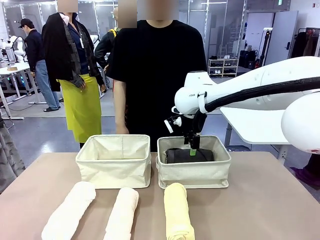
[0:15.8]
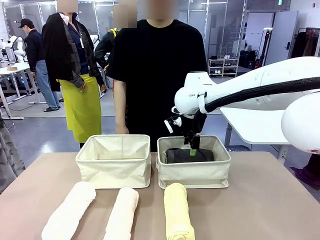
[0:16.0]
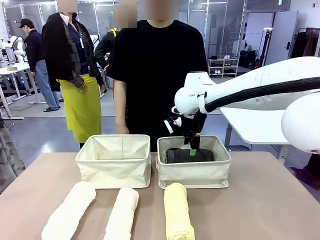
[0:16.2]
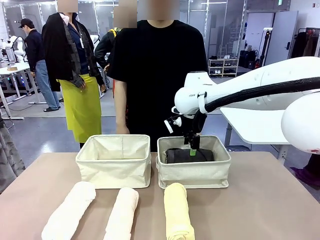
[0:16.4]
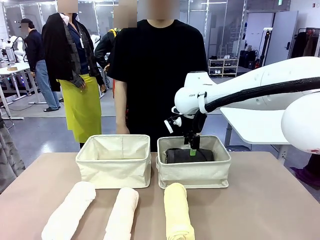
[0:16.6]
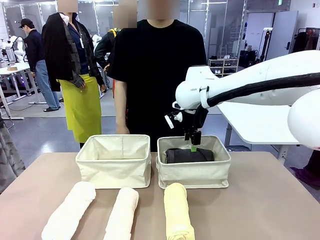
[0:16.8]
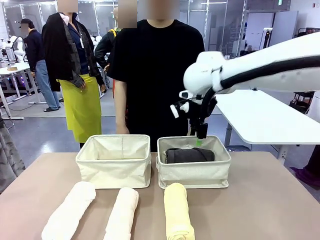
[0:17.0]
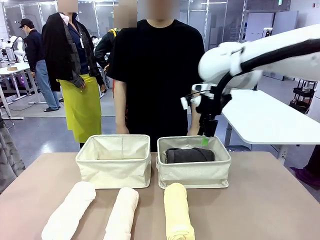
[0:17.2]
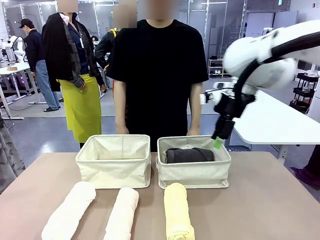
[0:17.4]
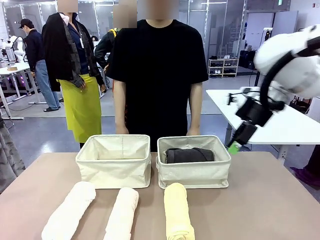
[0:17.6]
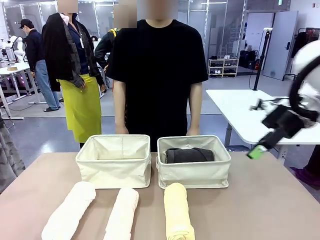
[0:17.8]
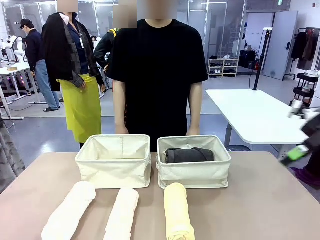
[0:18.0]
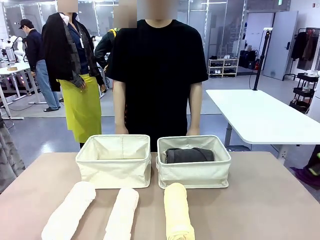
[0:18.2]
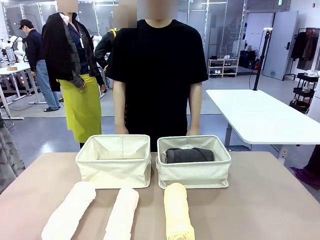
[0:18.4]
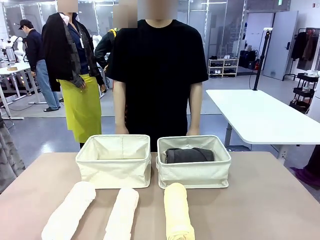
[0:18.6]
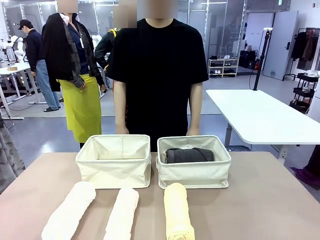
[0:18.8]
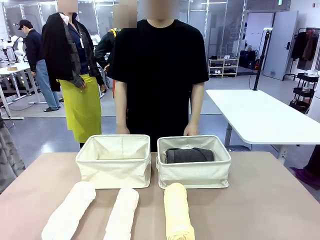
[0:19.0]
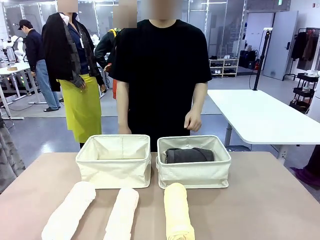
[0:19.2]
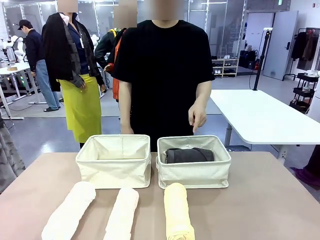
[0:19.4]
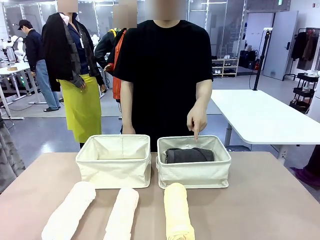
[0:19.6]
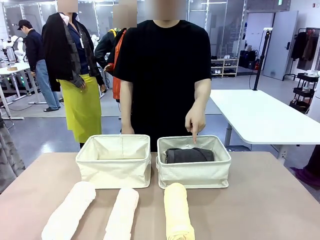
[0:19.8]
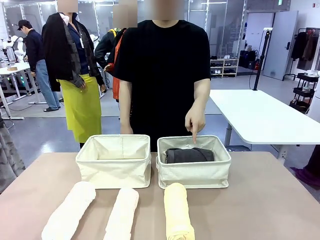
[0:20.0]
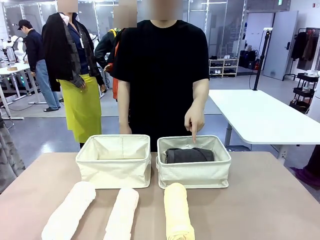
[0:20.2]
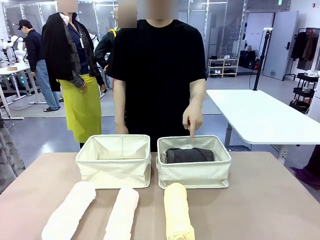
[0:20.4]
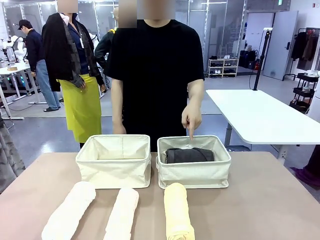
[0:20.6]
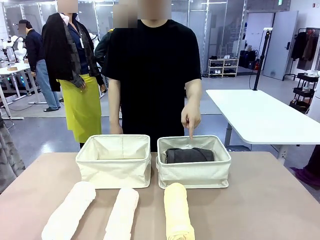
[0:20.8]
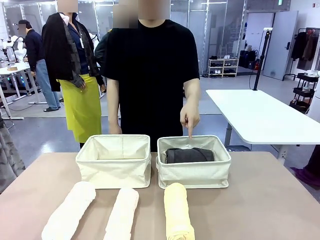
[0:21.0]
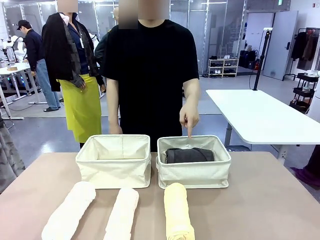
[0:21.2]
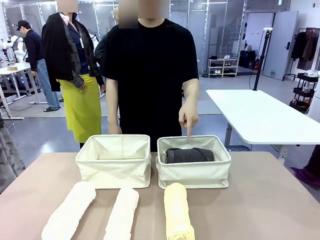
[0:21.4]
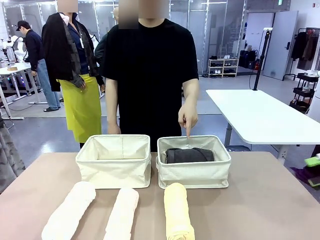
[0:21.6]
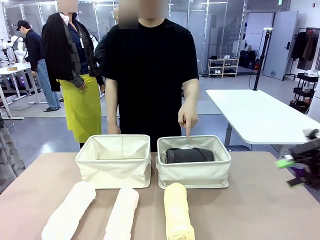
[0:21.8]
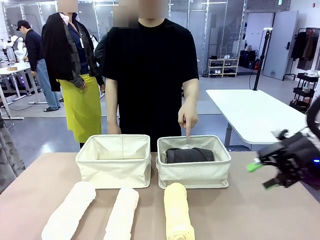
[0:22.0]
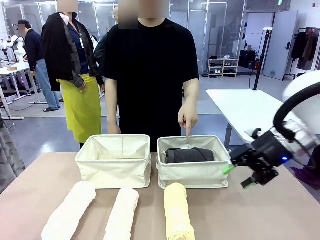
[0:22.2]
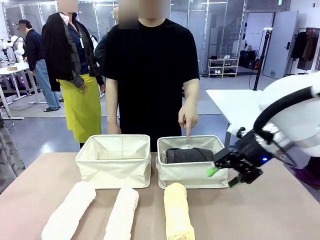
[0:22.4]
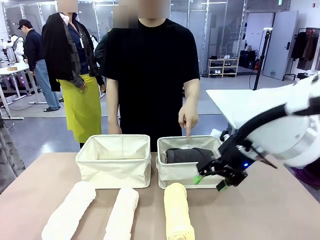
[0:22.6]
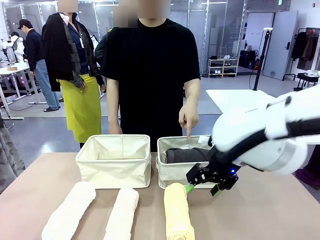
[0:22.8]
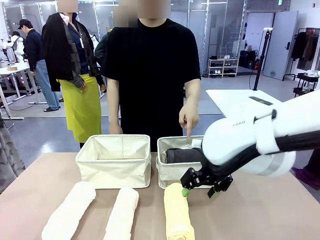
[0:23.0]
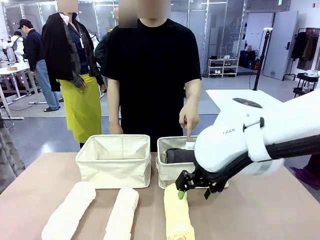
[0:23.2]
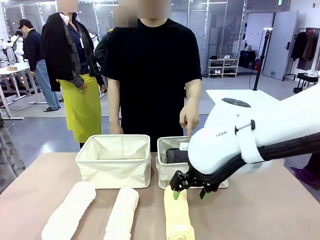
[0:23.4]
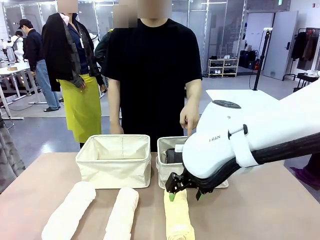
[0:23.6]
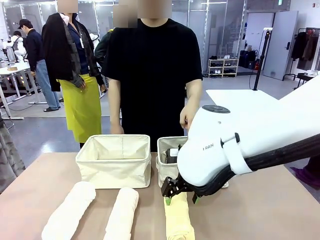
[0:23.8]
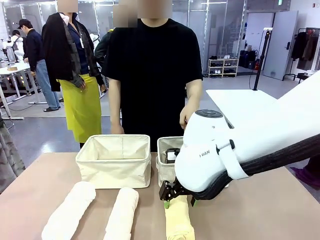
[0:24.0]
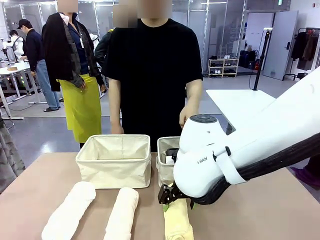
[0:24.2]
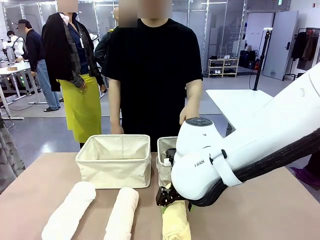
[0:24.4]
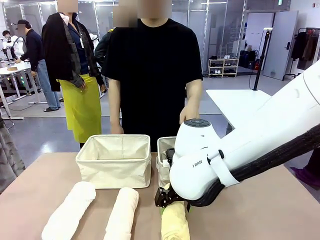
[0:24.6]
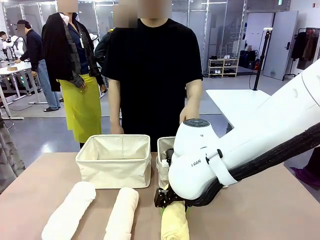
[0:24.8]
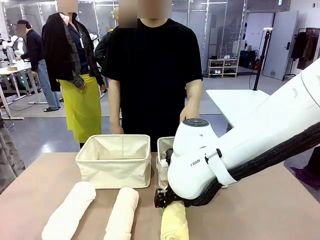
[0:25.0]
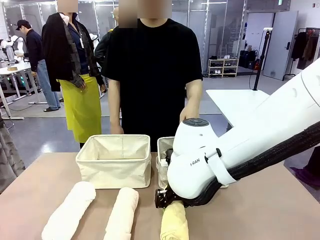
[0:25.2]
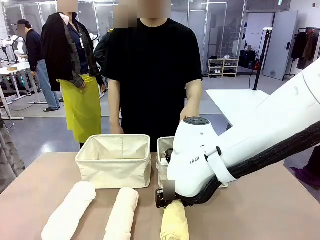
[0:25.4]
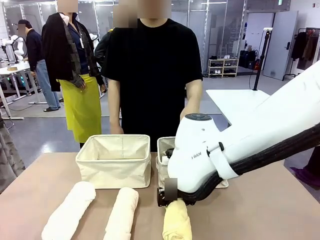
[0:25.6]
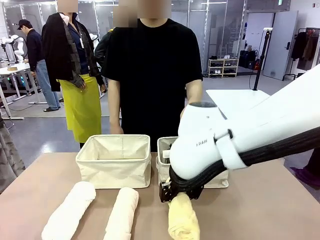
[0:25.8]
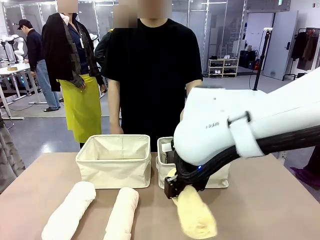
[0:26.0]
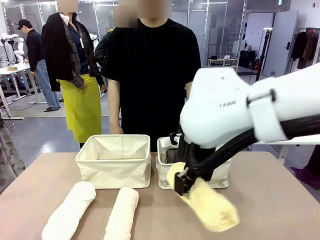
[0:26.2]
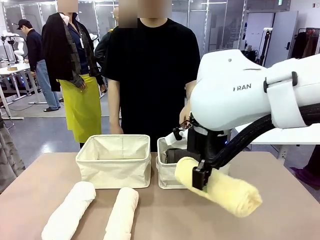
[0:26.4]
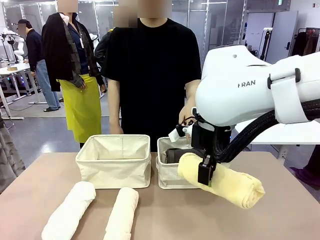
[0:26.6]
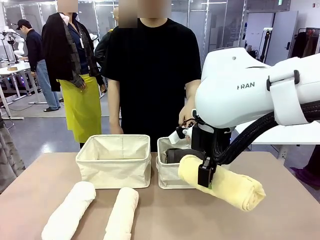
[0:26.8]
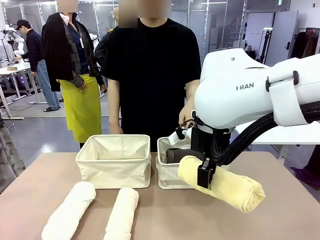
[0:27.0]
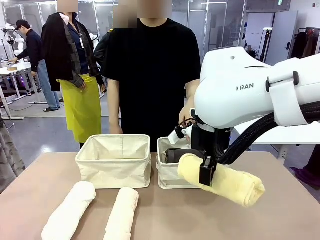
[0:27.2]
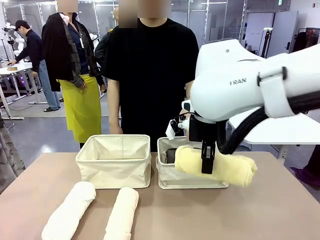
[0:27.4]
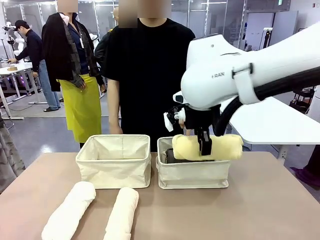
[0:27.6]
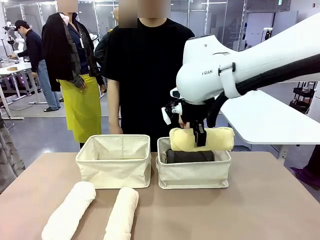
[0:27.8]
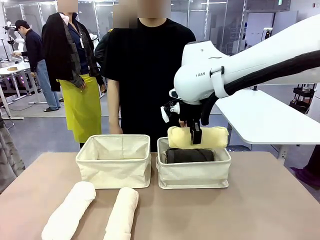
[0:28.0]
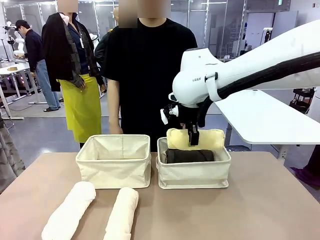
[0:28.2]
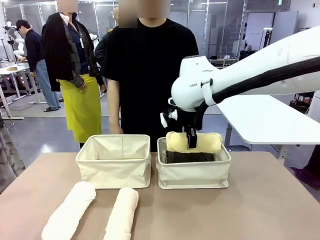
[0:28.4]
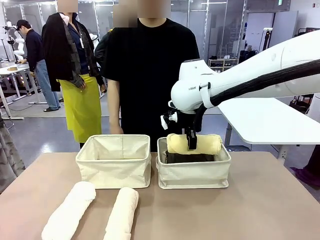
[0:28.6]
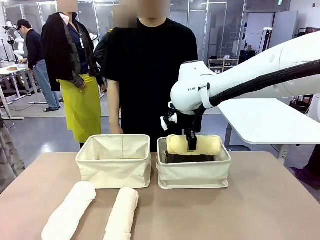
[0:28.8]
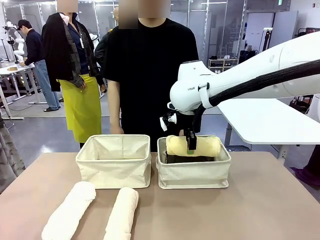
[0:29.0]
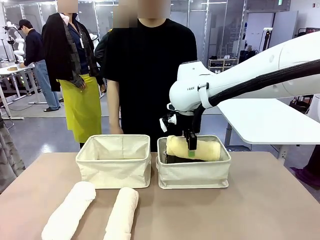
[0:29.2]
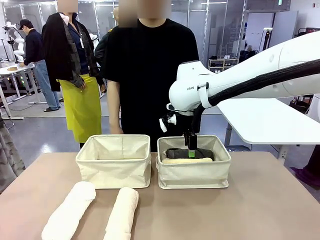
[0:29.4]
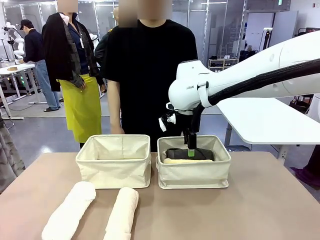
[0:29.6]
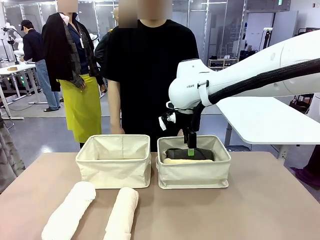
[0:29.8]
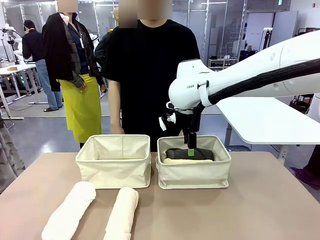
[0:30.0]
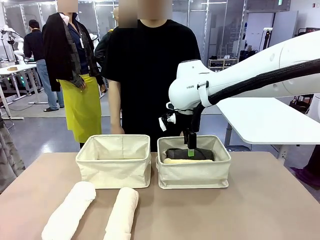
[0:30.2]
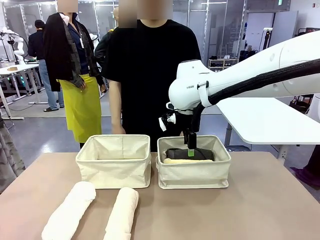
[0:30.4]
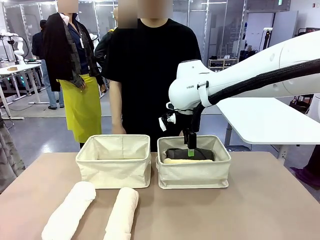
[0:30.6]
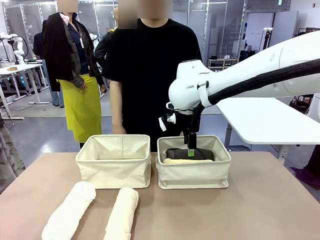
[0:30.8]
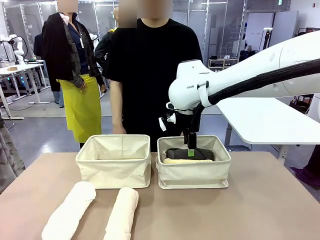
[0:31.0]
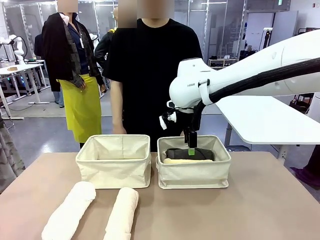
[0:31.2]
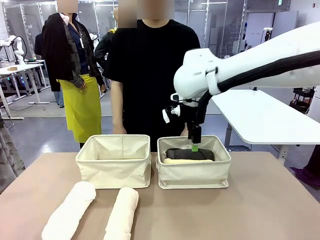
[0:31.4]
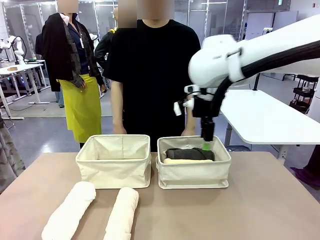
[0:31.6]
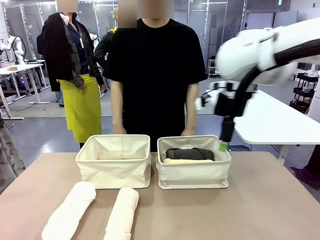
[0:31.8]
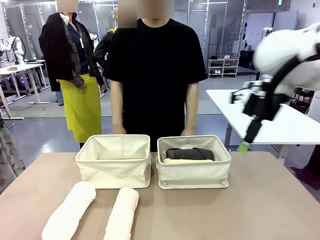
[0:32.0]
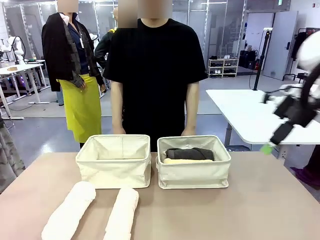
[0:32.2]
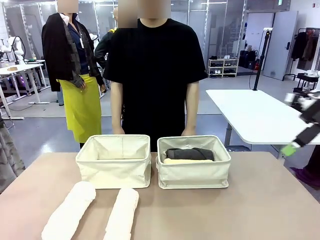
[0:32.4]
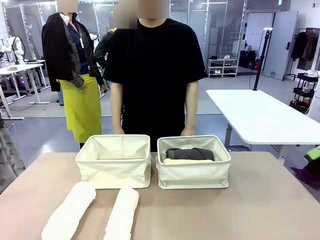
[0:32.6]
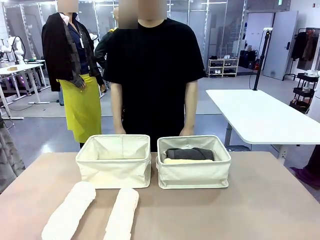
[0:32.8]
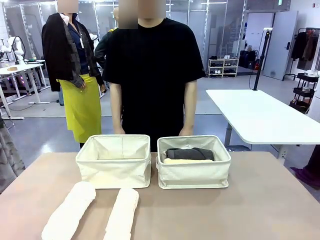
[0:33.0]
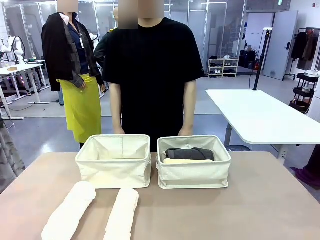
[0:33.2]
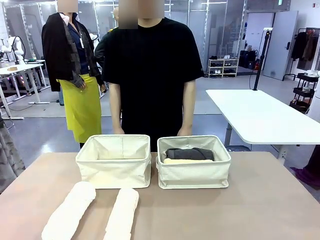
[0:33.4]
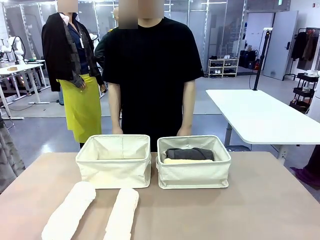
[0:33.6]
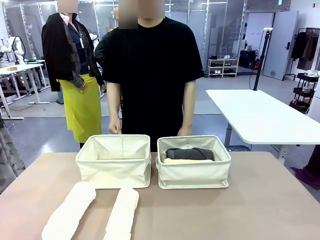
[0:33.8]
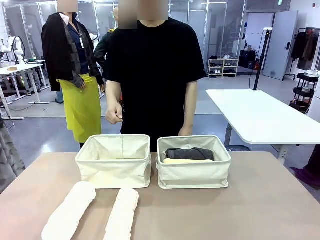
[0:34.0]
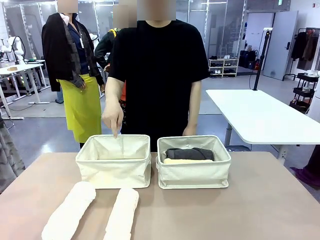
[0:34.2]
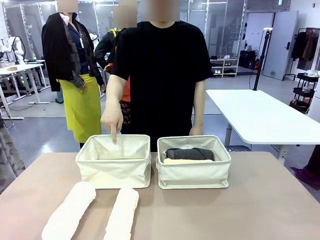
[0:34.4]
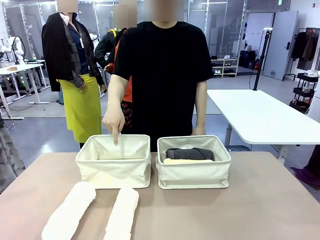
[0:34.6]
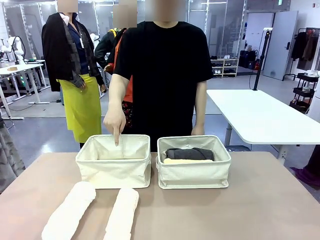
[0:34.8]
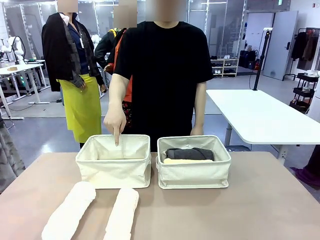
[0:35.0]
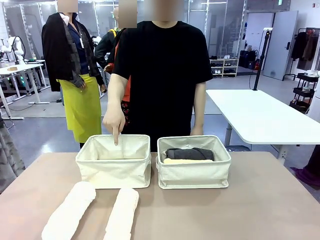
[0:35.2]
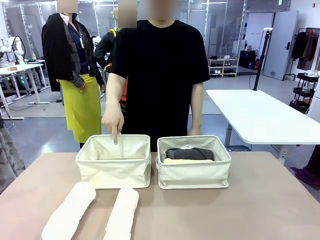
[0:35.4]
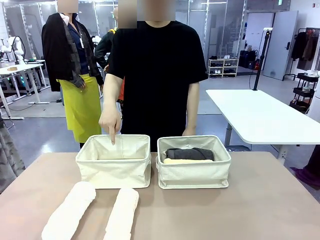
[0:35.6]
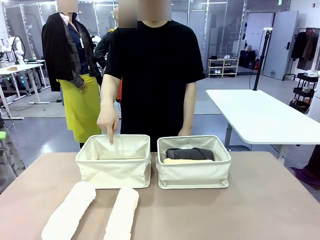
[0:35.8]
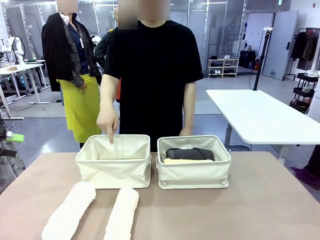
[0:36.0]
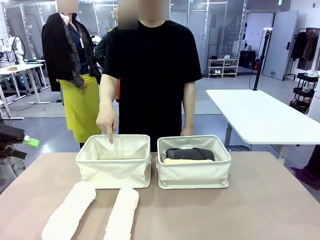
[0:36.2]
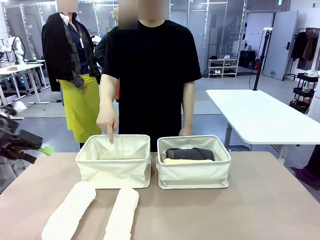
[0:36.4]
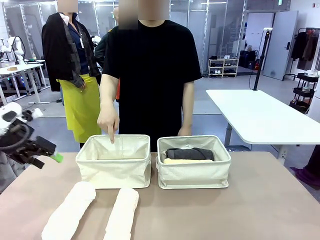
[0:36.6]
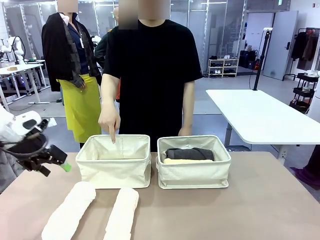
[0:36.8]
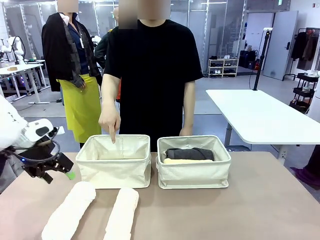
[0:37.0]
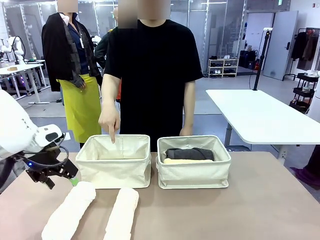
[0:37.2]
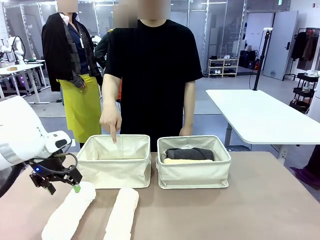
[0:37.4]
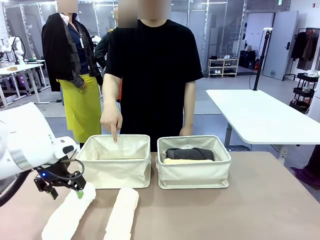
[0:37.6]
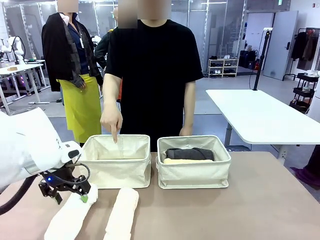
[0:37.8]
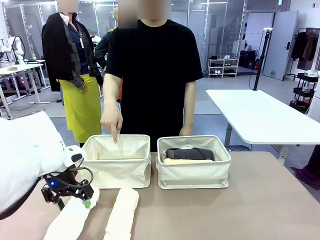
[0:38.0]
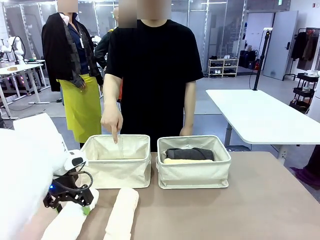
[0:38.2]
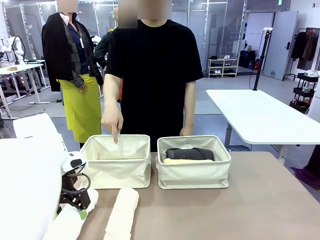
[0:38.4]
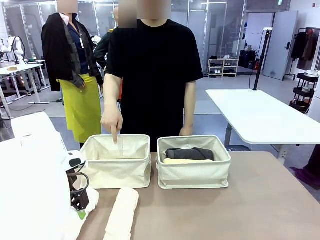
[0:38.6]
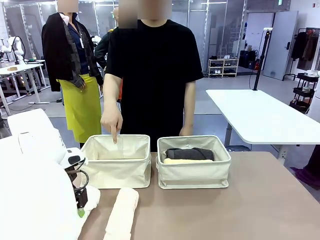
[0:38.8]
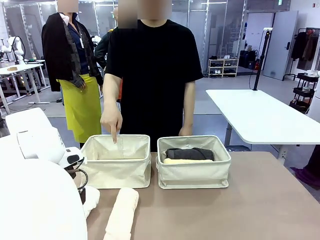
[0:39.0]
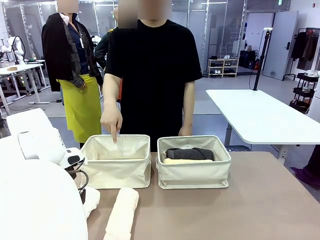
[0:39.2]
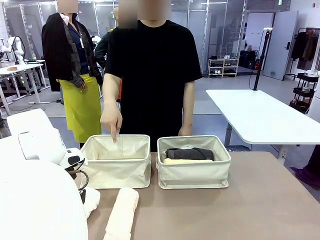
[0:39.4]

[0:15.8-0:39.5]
Task: Divide the towels into two baskets.
Robot: Pick up one hotel-folded towel from the bottom of the table and place it in the Fabric basket indicated by the person.
